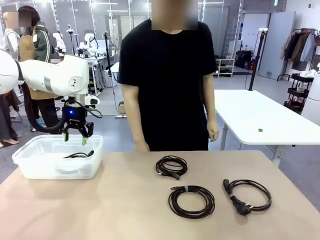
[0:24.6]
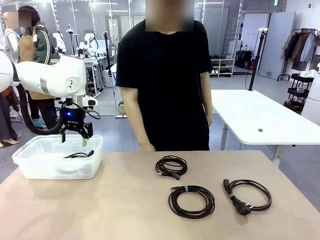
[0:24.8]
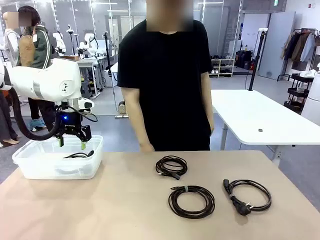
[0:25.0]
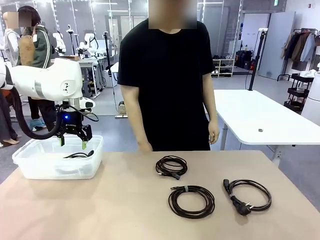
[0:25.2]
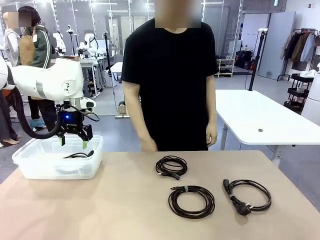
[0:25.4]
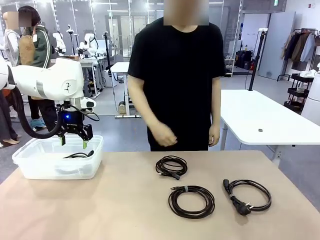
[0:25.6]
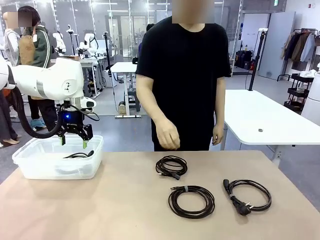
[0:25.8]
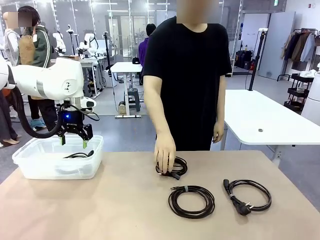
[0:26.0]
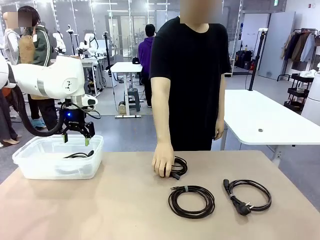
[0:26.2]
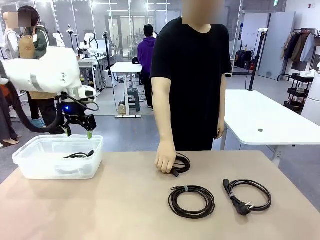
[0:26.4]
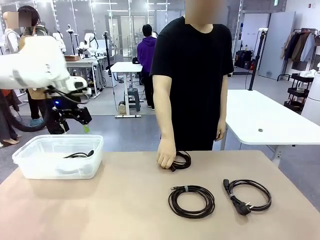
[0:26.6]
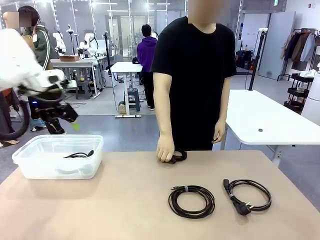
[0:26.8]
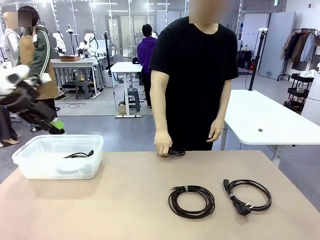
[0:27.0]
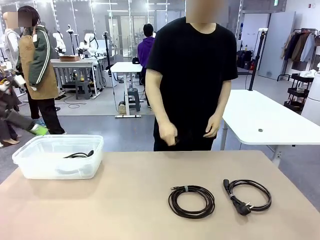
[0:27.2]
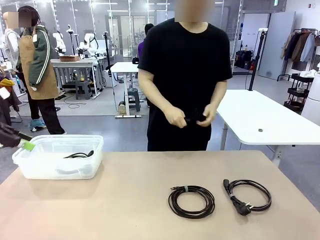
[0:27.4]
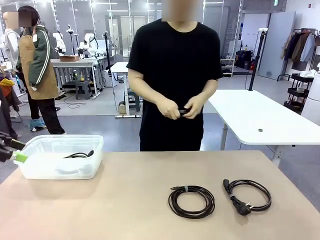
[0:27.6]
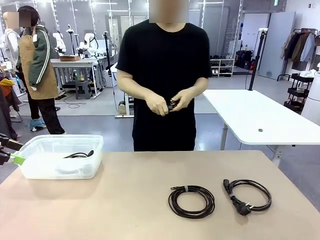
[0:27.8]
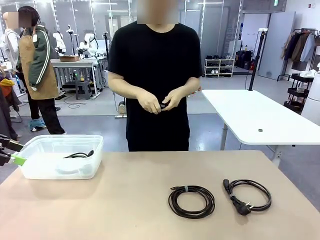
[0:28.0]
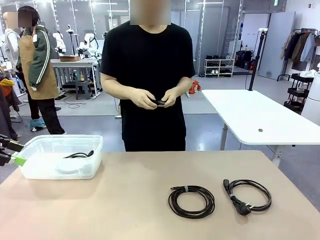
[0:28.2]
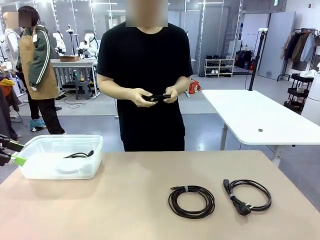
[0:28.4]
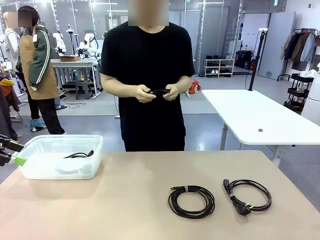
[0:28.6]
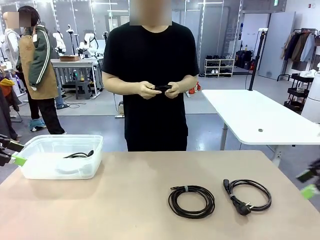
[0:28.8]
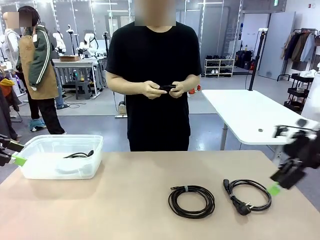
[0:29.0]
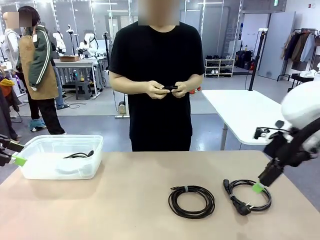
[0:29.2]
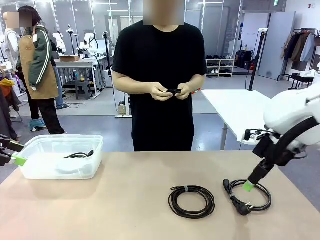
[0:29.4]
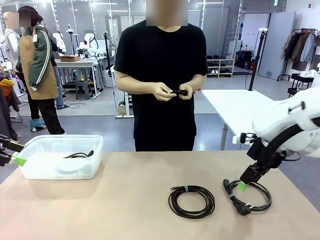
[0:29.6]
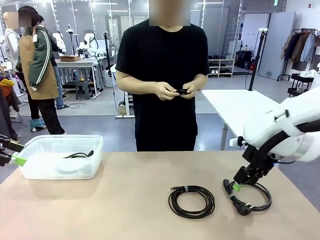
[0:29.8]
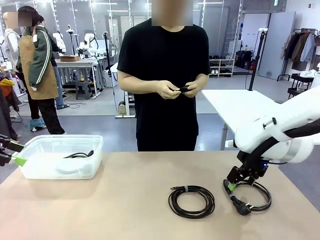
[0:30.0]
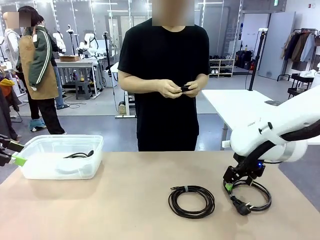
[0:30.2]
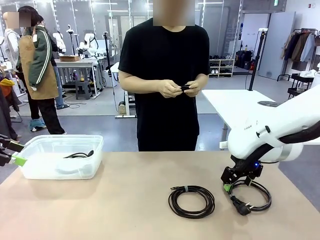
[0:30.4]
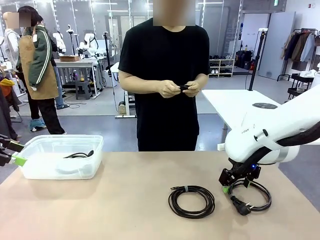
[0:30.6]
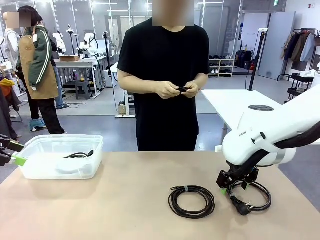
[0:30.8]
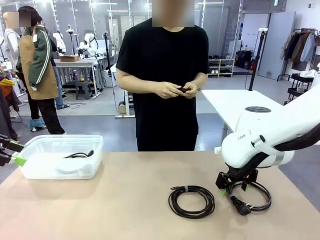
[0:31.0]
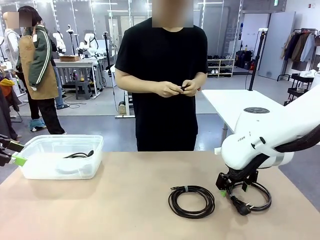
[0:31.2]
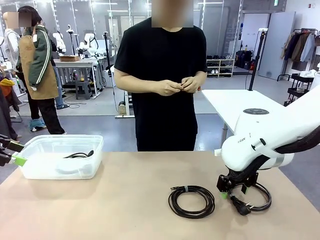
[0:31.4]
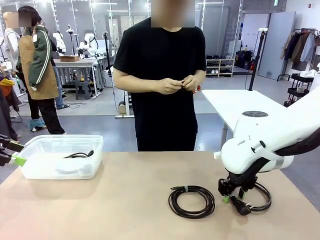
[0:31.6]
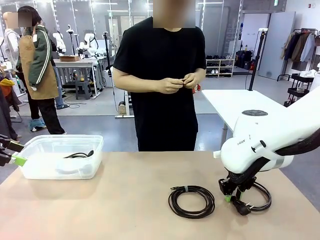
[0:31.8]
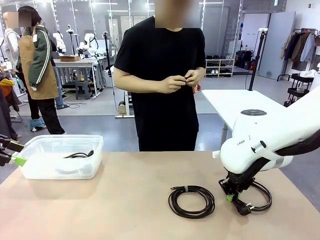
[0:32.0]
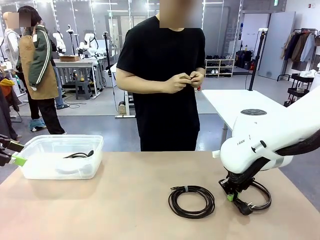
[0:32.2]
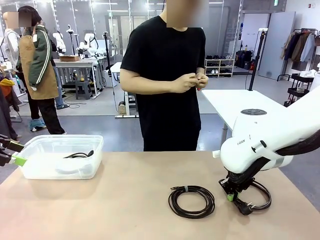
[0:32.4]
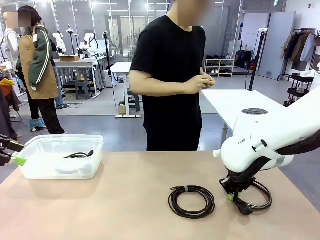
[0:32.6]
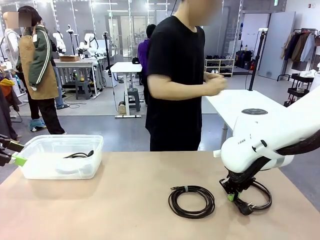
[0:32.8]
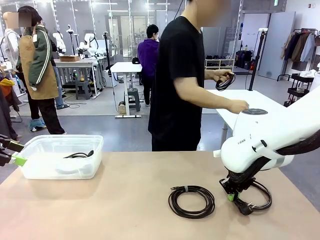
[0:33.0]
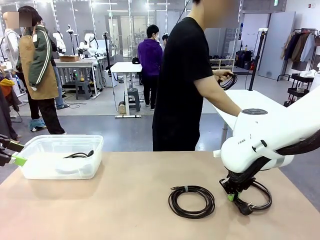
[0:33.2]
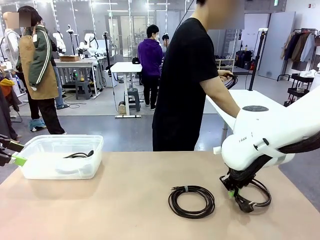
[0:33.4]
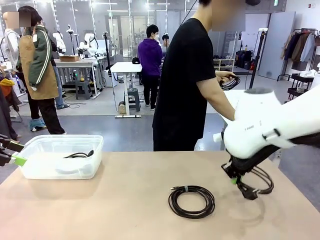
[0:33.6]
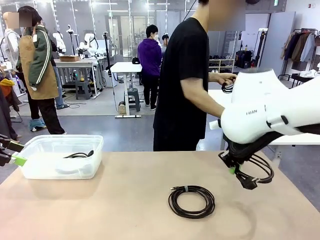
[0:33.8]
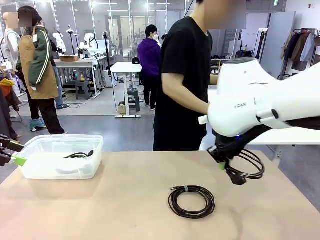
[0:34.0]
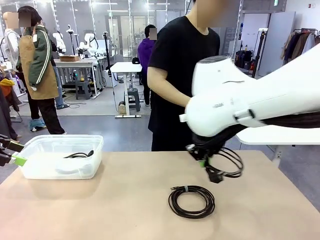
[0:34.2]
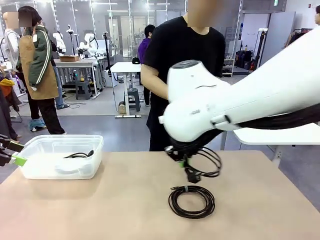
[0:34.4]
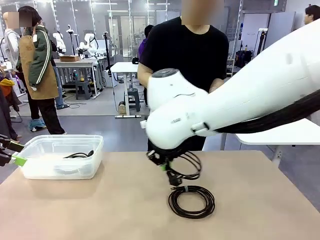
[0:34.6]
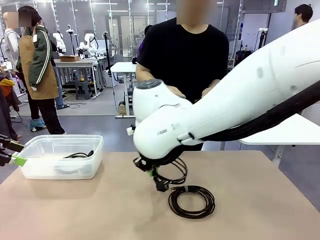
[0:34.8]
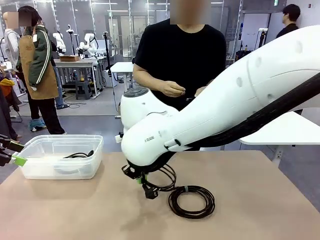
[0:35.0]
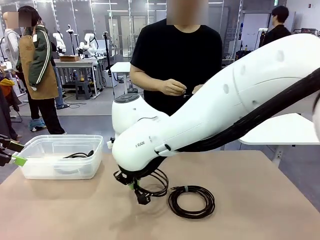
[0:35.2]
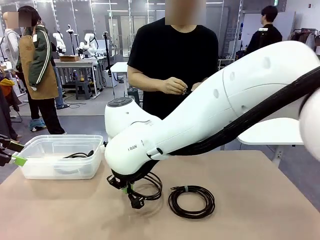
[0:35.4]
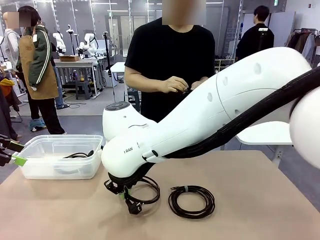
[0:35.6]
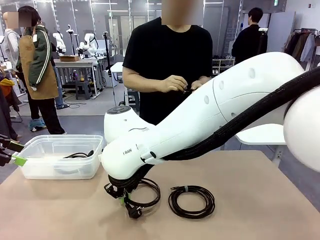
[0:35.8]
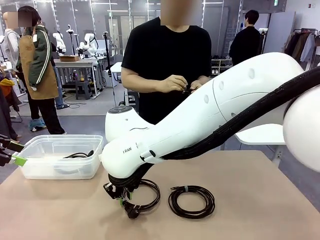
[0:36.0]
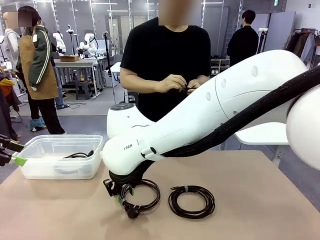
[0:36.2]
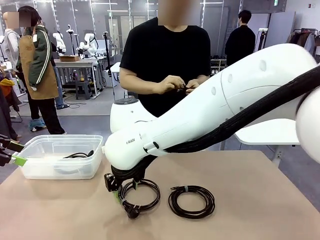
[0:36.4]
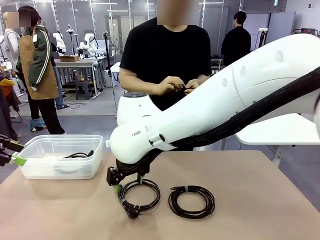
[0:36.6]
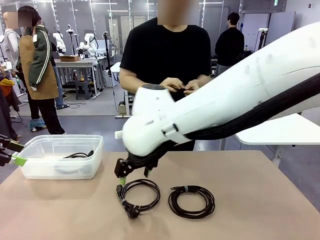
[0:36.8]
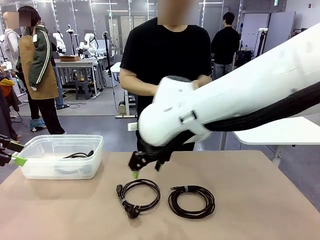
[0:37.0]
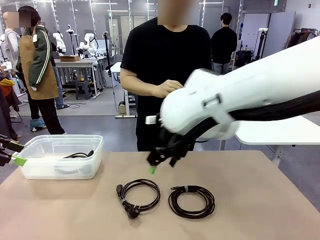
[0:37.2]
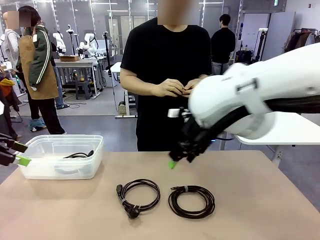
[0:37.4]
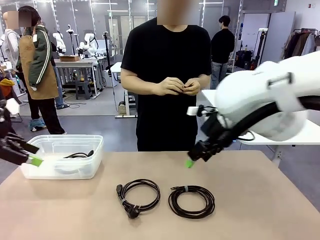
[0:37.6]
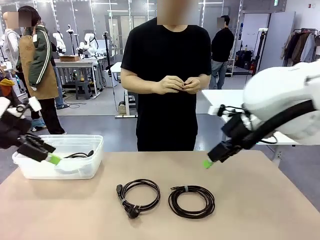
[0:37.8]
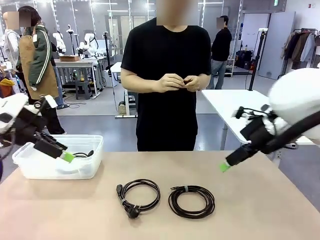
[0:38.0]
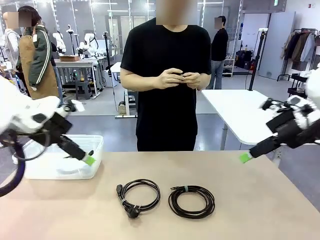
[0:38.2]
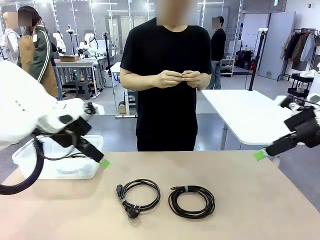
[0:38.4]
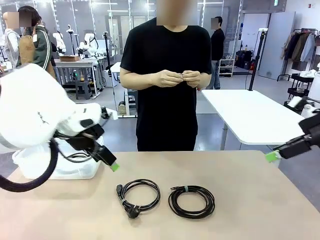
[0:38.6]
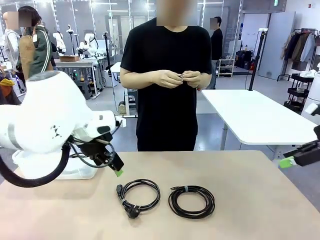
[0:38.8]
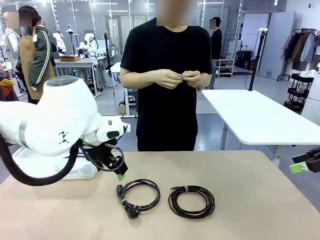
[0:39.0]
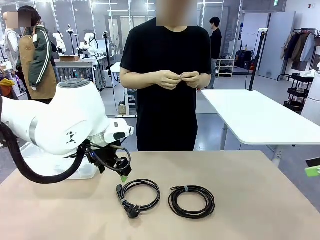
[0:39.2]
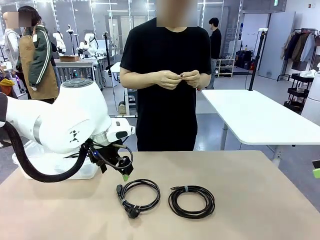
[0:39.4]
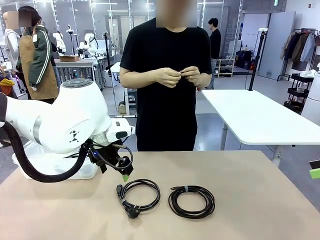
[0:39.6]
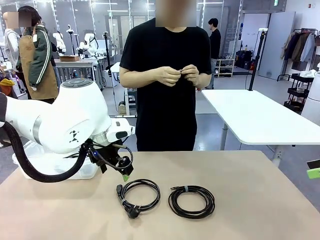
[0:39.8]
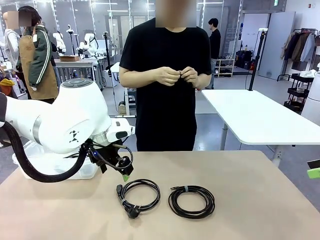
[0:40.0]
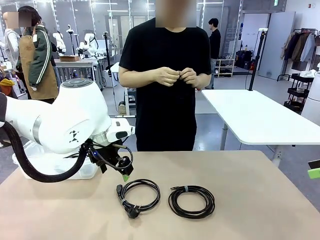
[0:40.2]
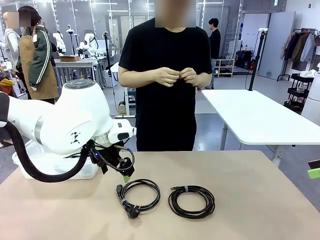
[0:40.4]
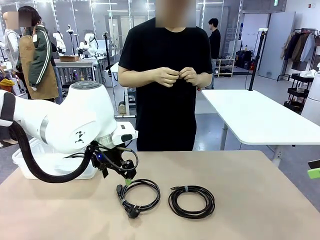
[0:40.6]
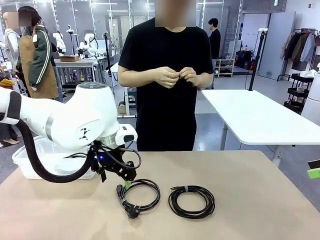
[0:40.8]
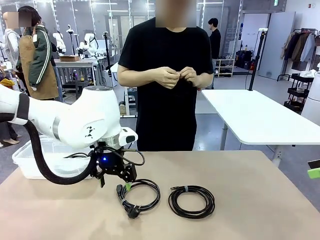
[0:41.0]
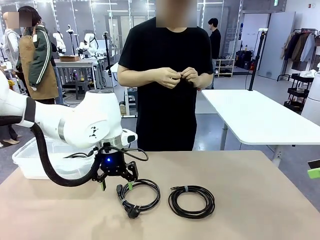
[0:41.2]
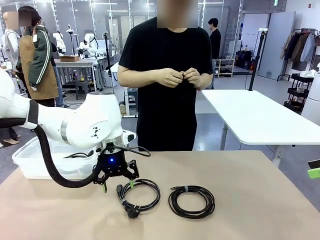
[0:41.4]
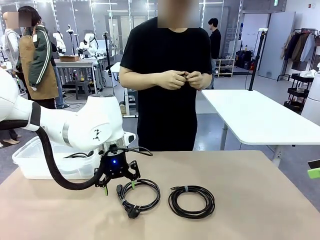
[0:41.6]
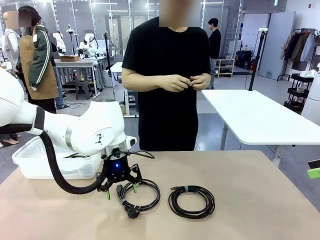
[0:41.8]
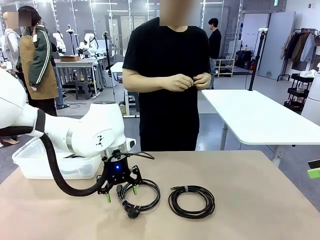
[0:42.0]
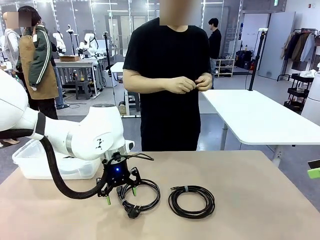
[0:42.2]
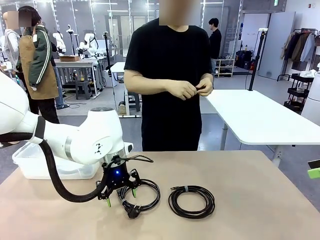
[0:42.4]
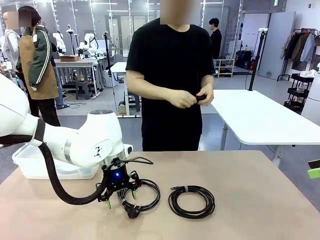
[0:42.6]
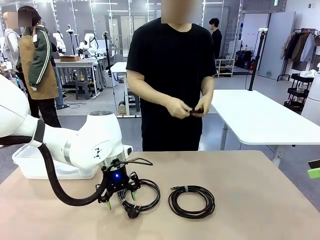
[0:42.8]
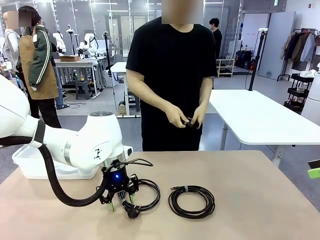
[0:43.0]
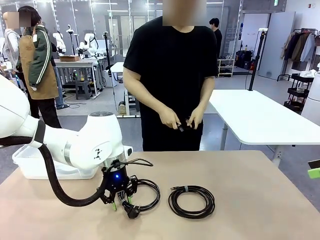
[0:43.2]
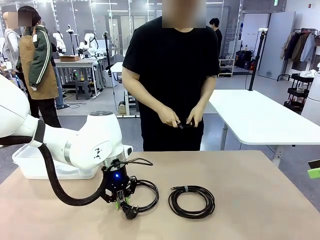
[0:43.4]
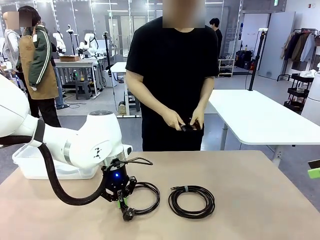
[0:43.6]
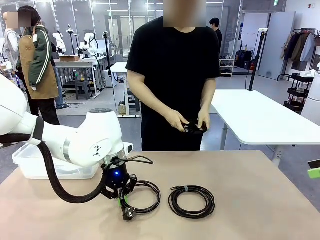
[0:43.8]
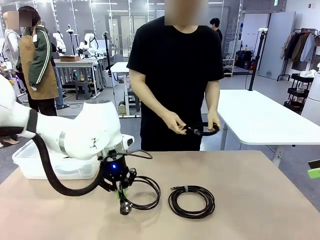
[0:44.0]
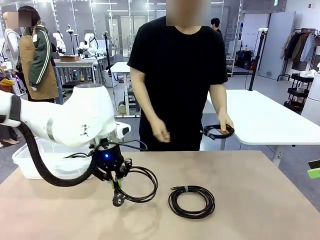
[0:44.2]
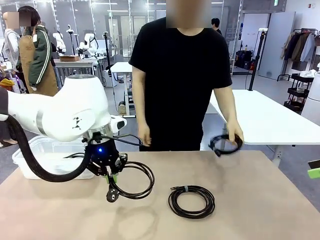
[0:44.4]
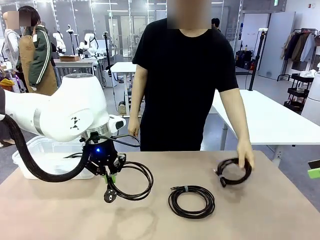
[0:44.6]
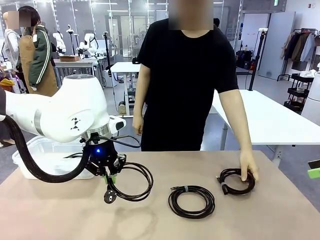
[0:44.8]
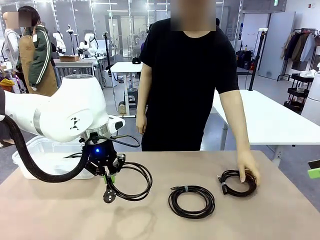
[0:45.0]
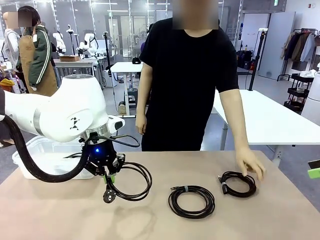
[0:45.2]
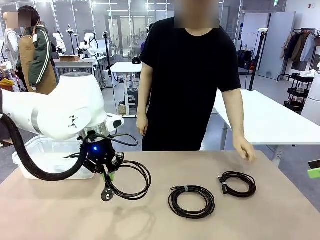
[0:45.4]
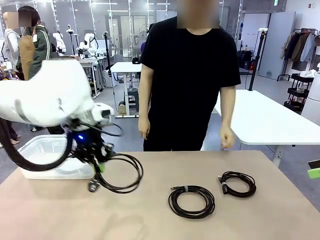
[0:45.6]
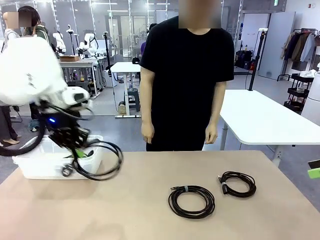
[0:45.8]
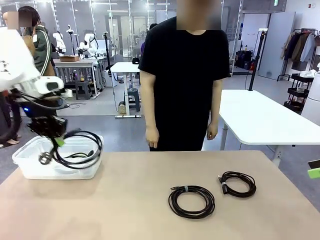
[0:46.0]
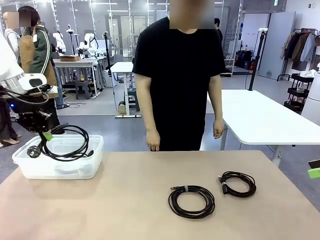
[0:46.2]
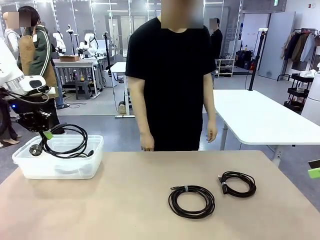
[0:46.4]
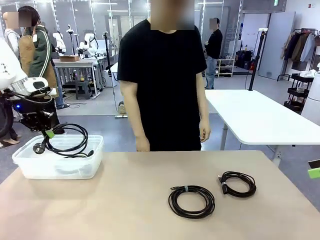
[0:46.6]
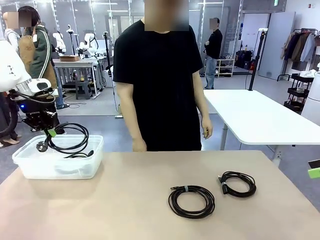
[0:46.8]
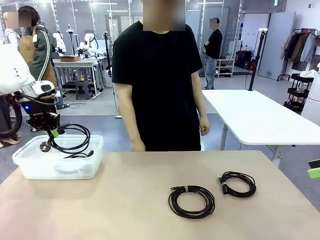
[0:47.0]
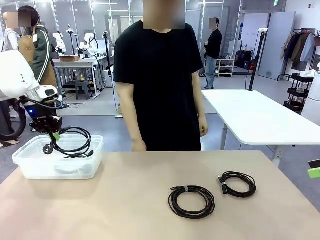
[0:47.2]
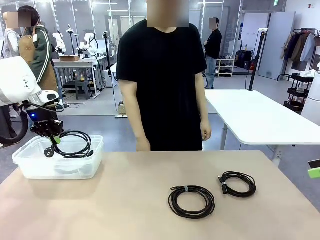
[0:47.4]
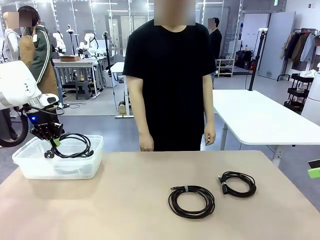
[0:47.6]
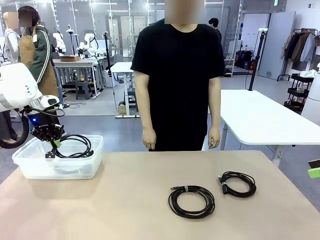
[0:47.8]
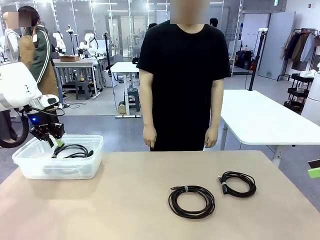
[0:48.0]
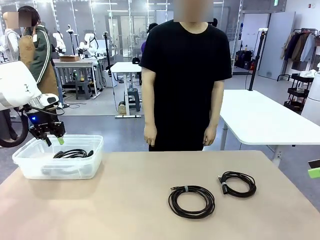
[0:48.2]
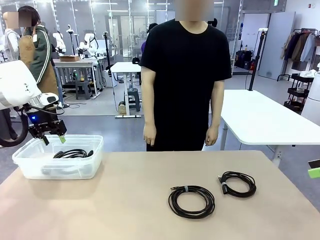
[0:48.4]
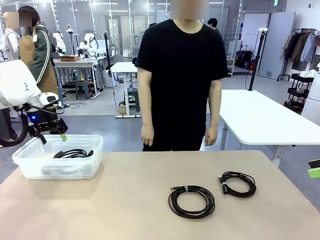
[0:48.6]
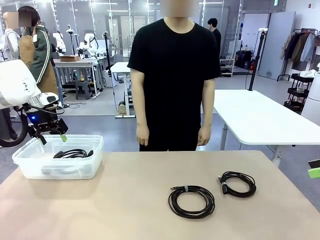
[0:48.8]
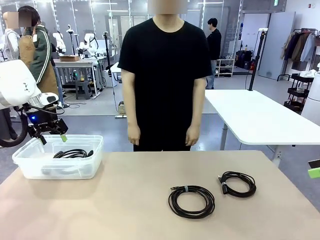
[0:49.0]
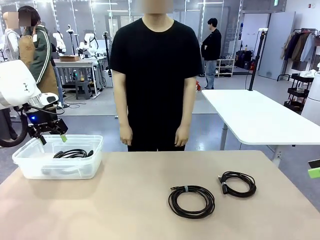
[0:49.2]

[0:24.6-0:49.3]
Task: Organize and store the cables.
Robot: Place the Power Cable into the Organizing box.
